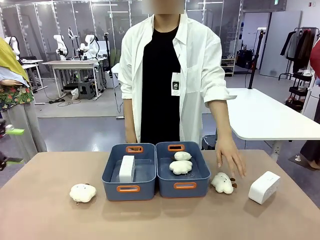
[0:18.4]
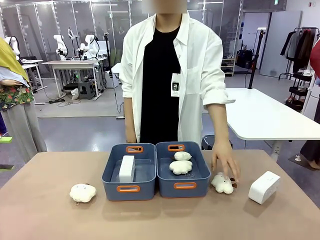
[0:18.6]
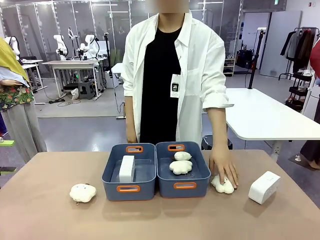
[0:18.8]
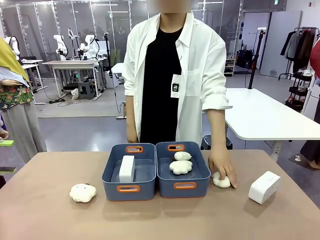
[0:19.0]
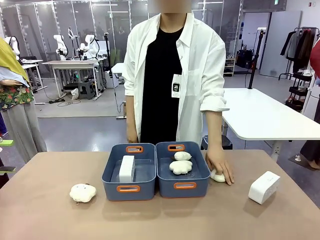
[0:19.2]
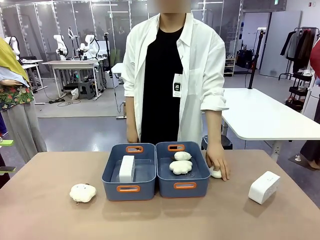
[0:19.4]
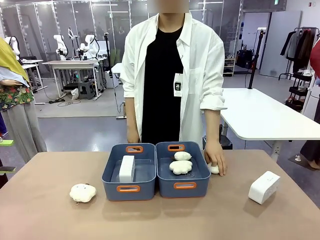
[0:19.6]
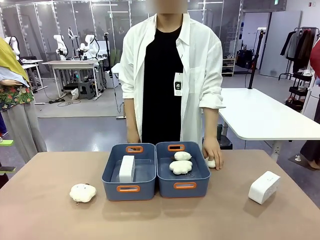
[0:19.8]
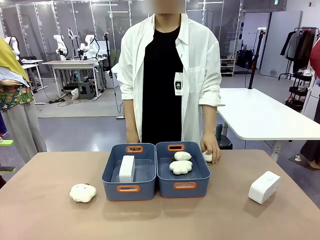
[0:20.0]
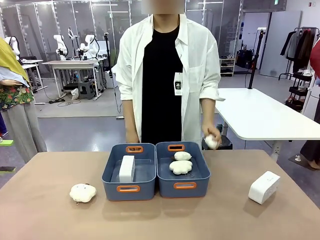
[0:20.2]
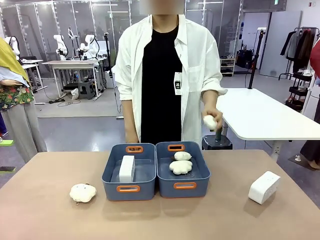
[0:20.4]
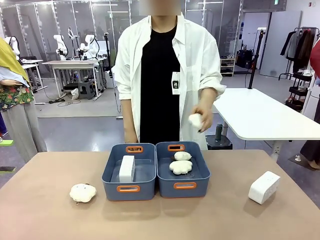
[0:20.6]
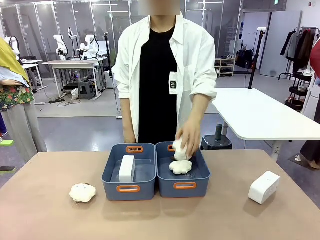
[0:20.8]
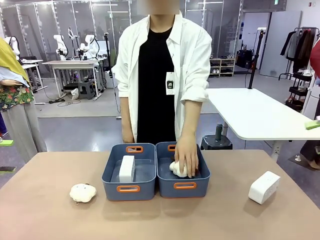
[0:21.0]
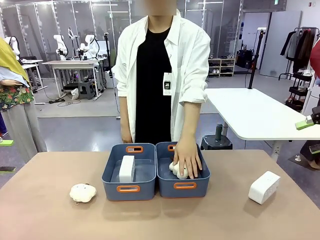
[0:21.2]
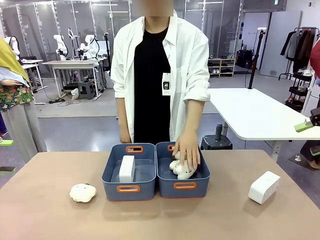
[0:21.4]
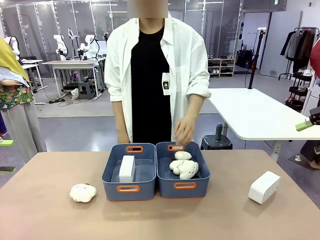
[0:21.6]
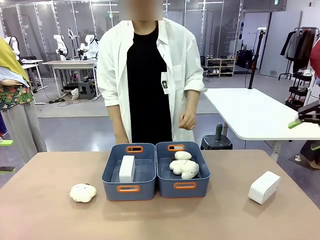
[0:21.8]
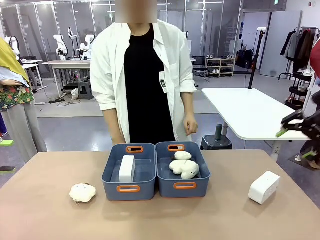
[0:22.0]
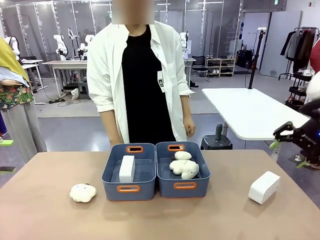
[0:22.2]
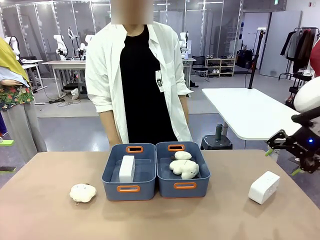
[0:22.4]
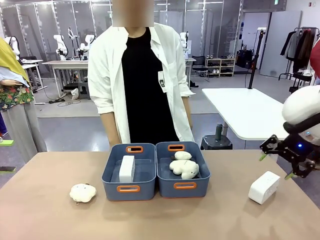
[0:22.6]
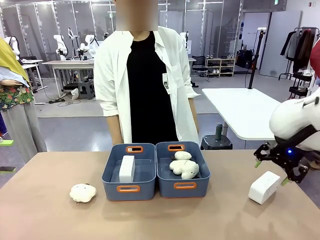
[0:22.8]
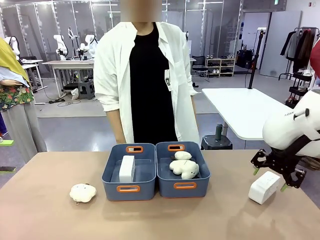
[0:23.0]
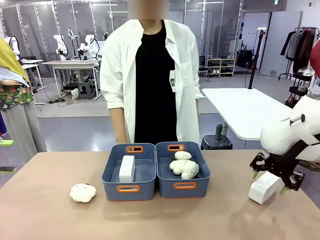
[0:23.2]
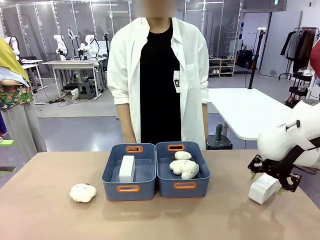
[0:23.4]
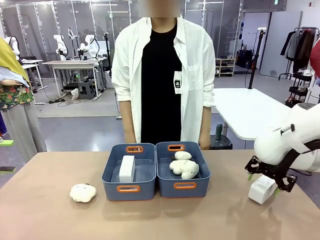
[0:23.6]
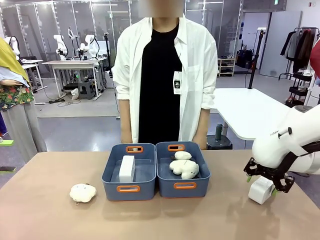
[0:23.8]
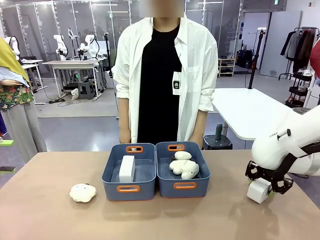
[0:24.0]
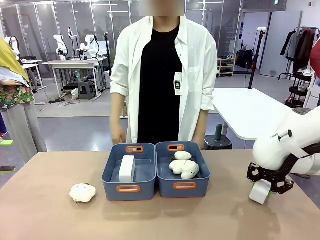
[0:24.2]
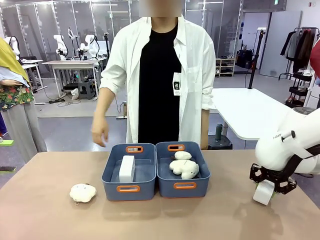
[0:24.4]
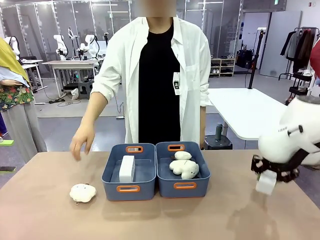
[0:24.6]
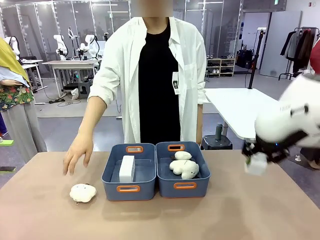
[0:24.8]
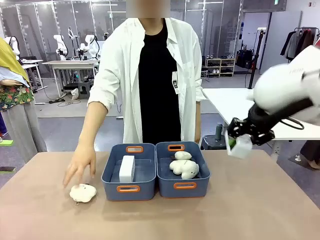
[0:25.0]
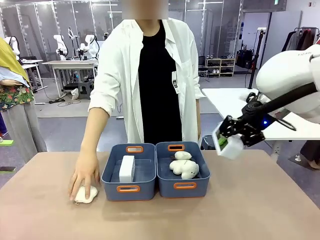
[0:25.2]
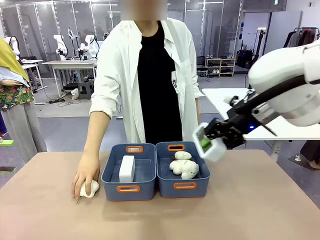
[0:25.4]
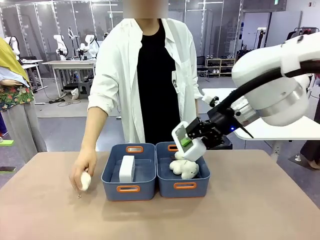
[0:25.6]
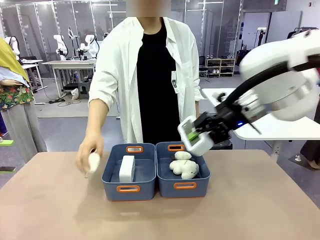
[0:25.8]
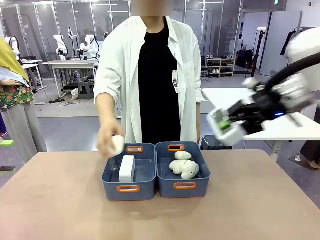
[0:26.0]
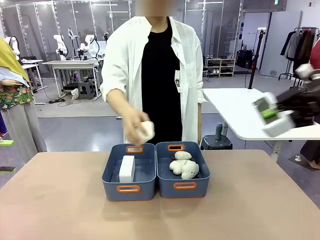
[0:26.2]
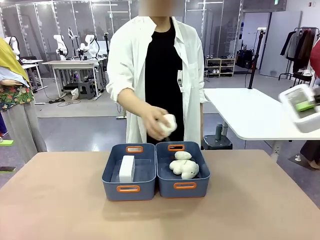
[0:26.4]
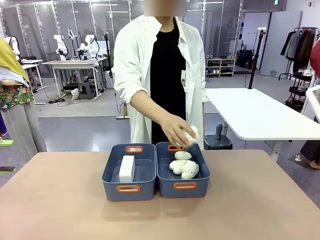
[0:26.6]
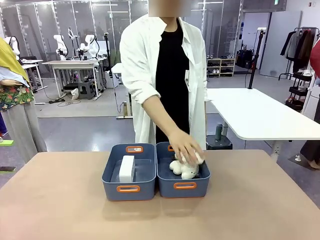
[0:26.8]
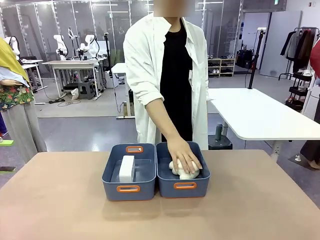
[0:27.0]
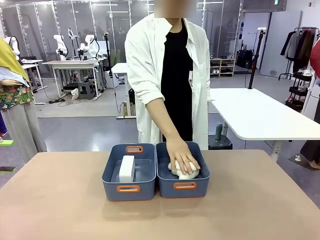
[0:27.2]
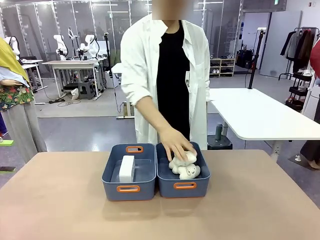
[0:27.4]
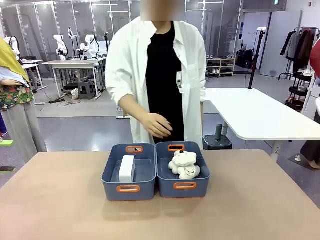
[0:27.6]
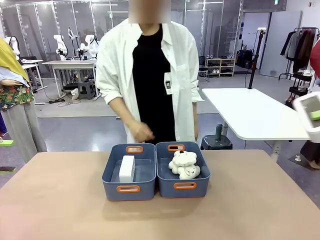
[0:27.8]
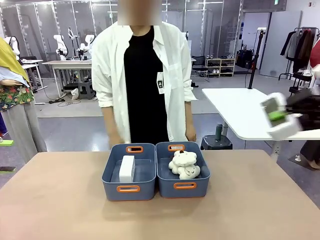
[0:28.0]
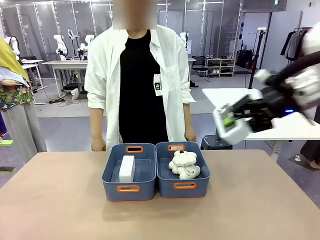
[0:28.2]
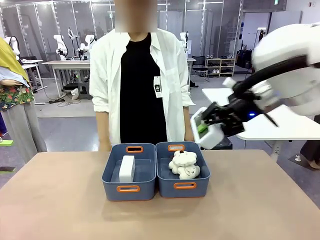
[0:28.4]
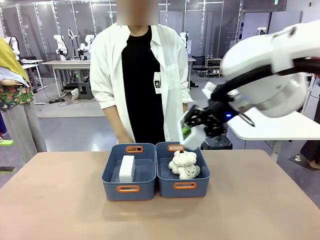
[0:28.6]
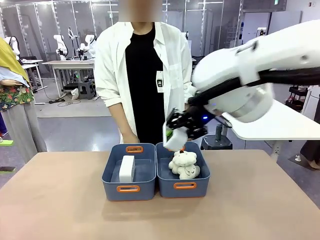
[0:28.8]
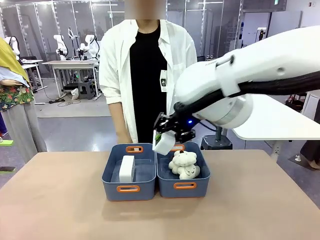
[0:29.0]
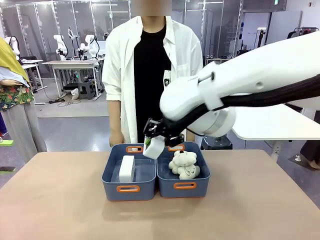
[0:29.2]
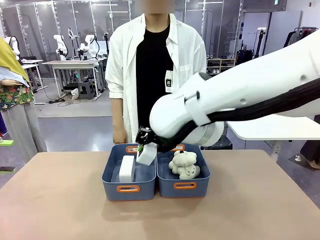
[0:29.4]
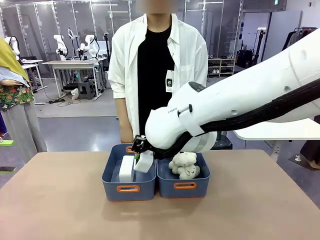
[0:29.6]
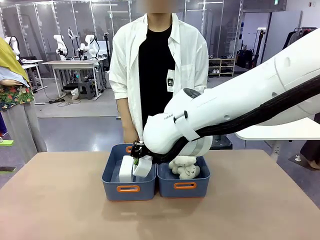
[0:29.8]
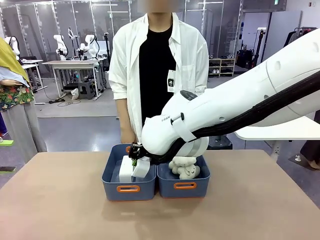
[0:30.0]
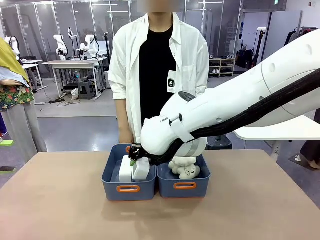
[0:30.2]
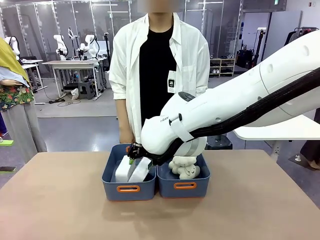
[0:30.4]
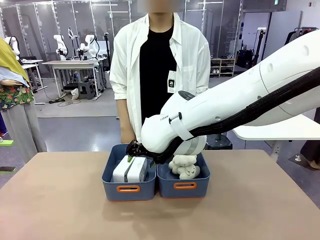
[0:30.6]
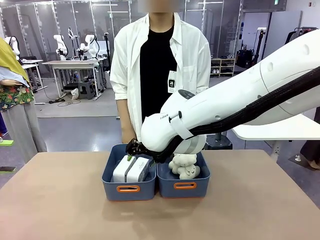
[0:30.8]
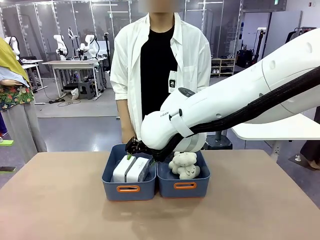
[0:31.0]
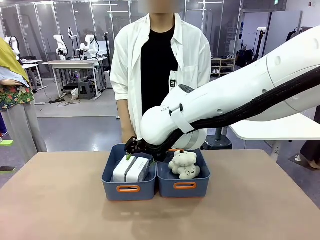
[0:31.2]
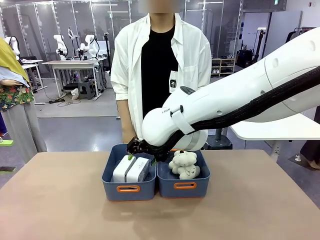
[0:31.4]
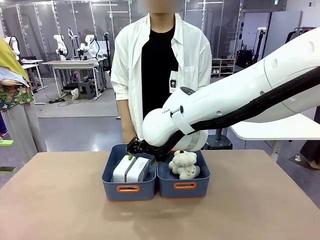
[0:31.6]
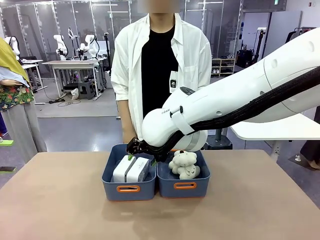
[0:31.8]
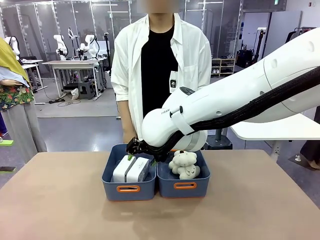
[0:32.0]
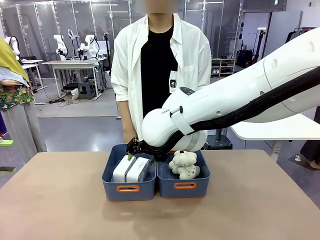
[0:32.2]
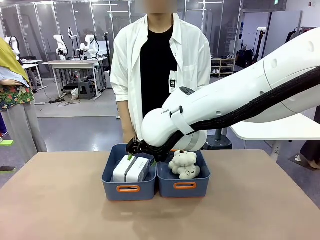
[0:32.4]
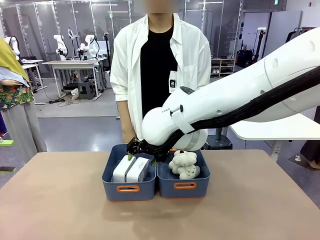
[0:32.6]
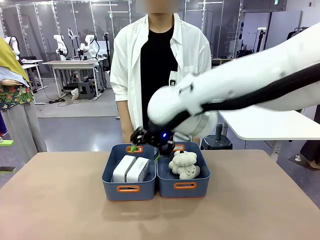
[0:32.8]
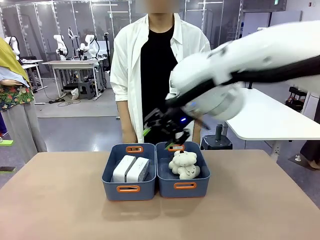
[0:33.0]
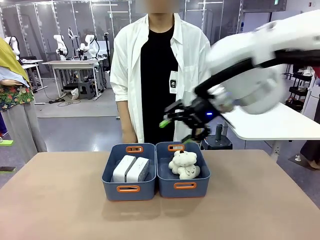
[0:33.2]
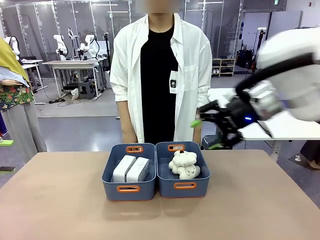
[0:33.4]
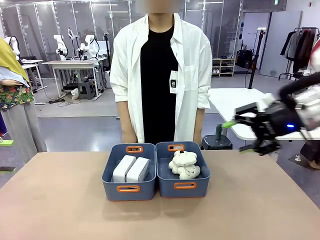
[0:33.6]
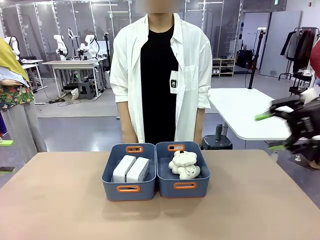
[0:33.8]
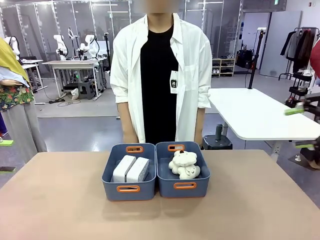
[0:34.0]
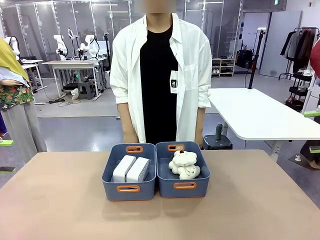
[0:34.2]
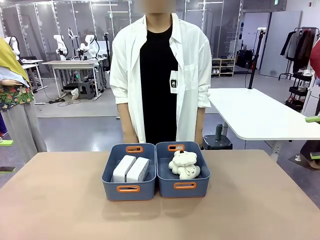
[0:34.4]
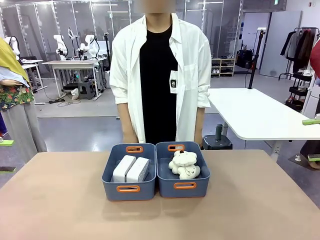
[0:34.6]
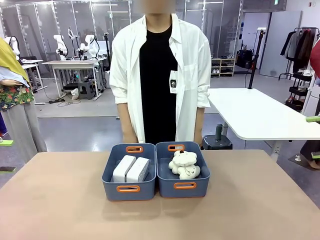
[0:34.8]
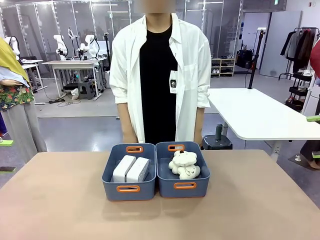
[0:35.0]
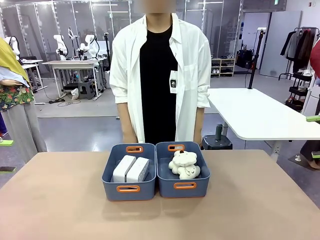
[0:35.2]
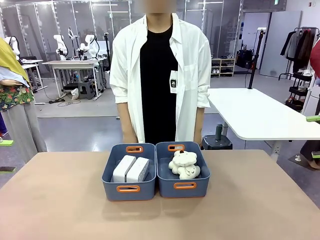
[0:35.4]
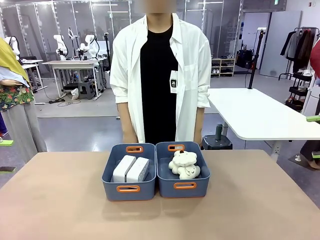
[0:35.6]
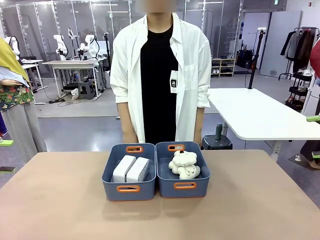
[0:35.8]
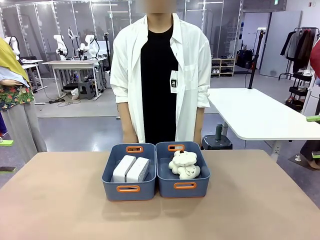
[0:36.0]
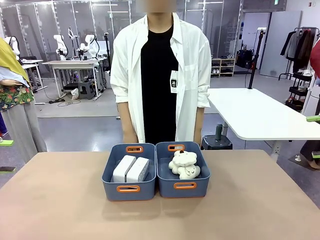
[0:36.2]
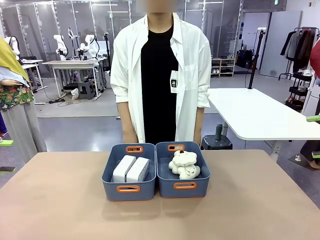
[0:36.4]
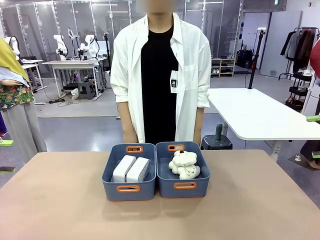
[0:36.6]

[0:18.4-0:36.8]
Task: Sort the digital clocks into the basket.
Robot: Pick up the Digital clock from the table and place it into the empty Plastic storage basket.
Person: Pick up a plush toy from the table and place it in the plastic storage basket containing the plush toy.
